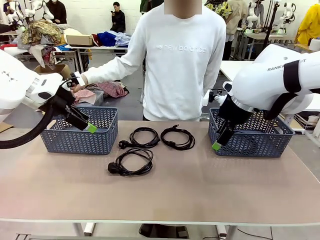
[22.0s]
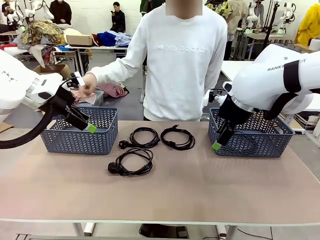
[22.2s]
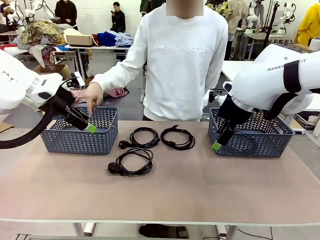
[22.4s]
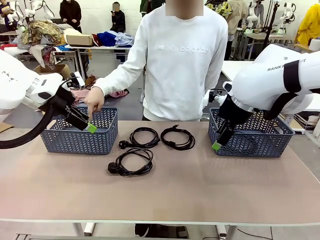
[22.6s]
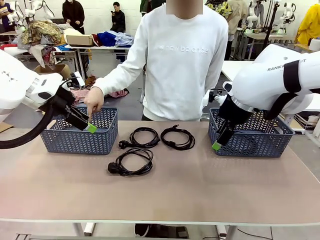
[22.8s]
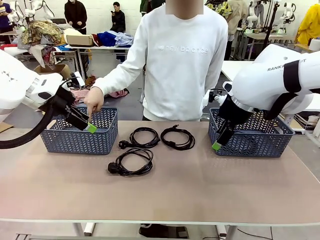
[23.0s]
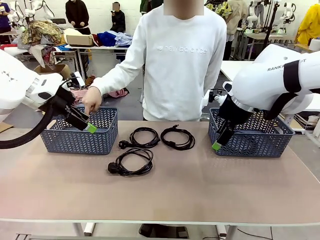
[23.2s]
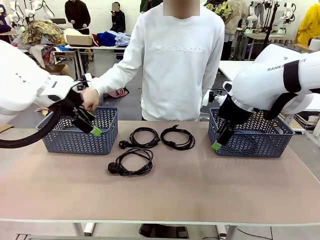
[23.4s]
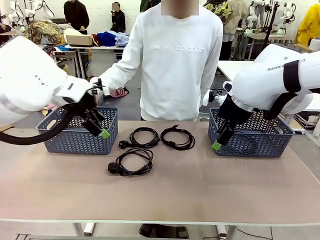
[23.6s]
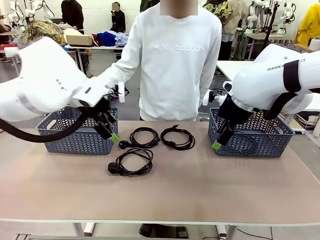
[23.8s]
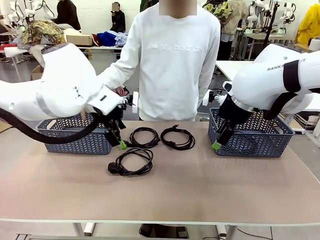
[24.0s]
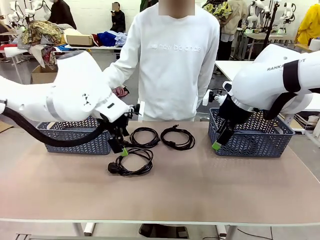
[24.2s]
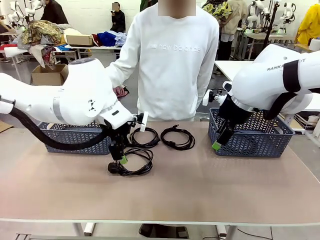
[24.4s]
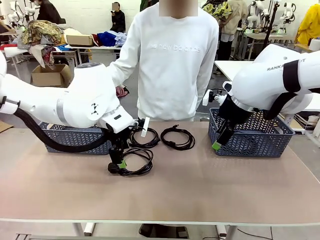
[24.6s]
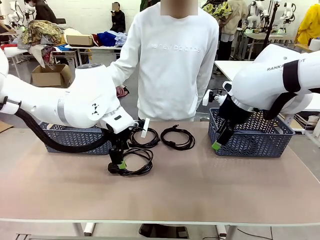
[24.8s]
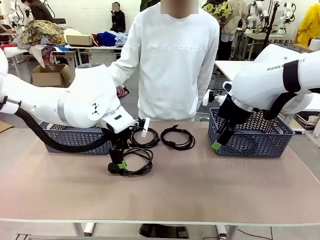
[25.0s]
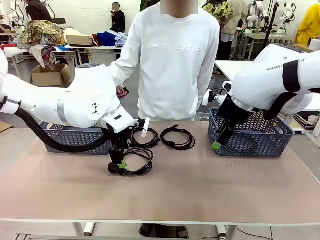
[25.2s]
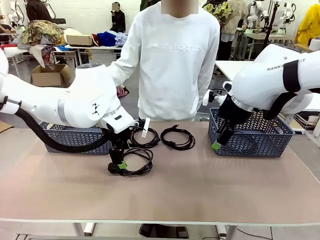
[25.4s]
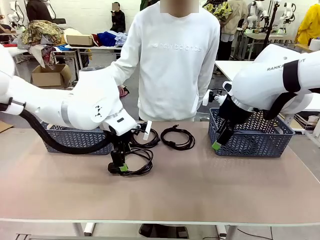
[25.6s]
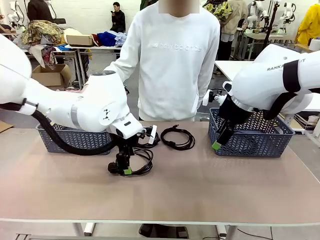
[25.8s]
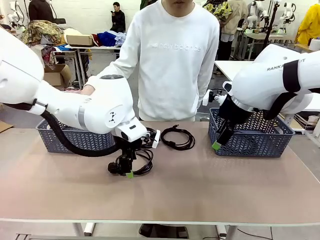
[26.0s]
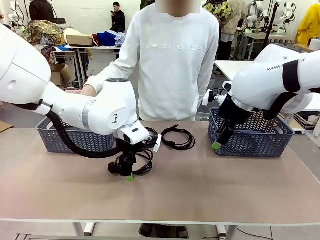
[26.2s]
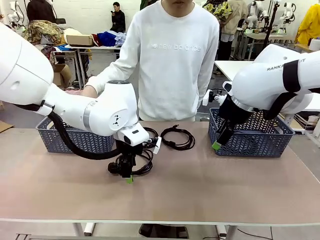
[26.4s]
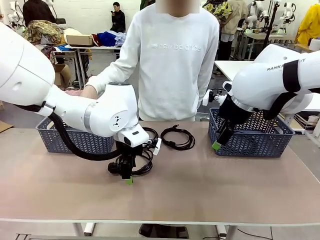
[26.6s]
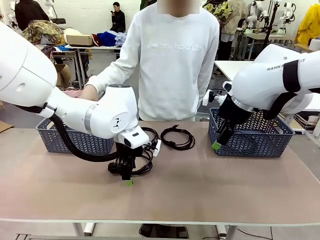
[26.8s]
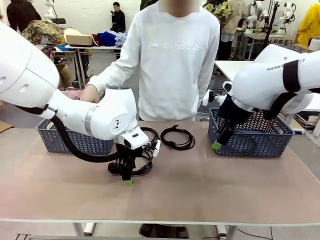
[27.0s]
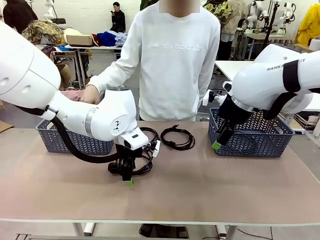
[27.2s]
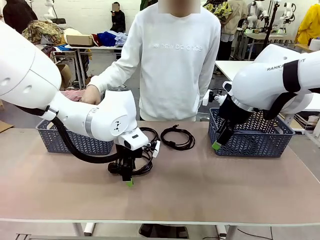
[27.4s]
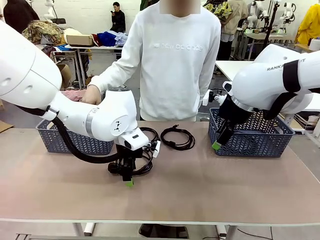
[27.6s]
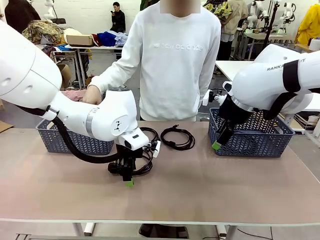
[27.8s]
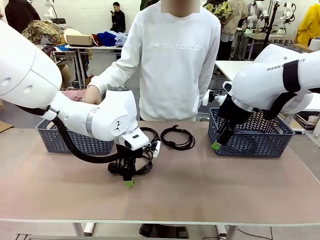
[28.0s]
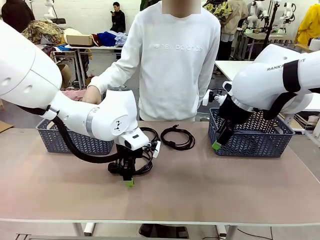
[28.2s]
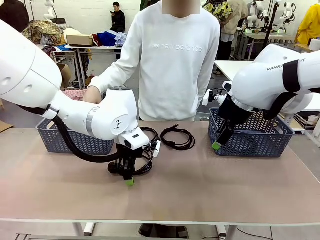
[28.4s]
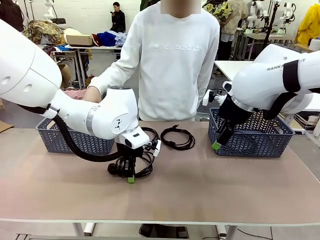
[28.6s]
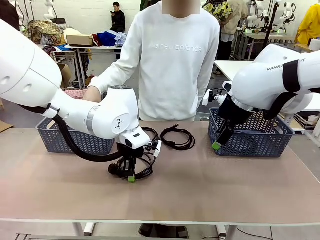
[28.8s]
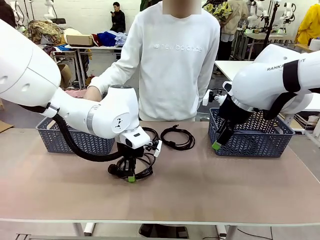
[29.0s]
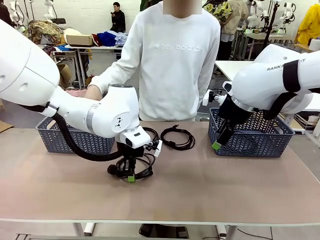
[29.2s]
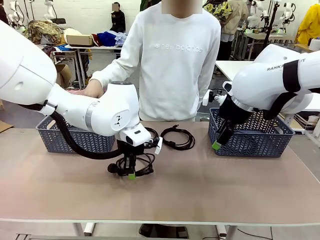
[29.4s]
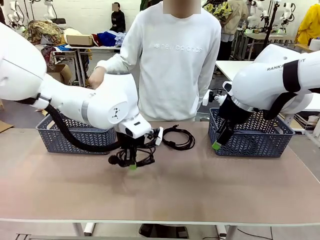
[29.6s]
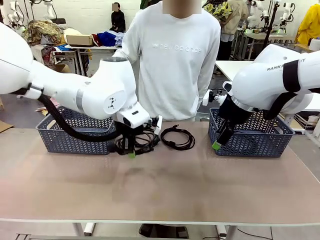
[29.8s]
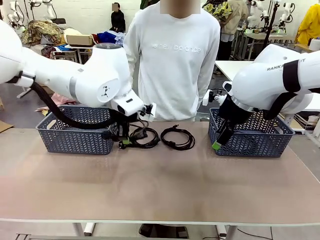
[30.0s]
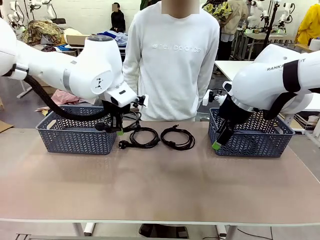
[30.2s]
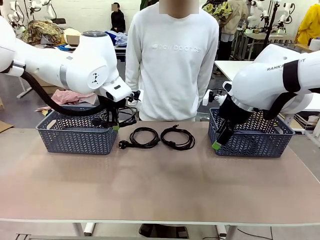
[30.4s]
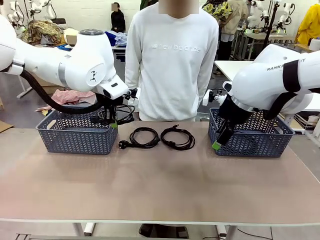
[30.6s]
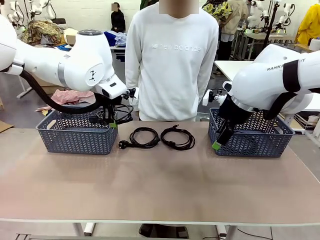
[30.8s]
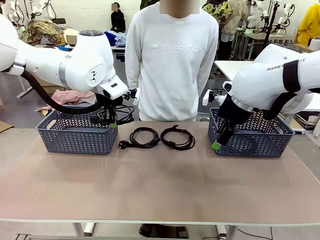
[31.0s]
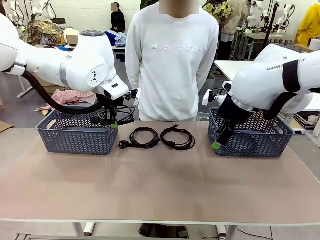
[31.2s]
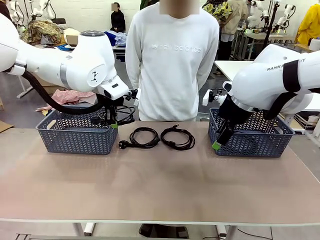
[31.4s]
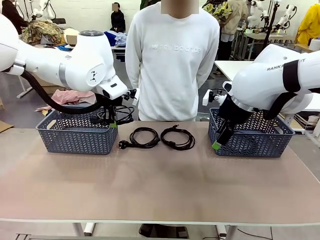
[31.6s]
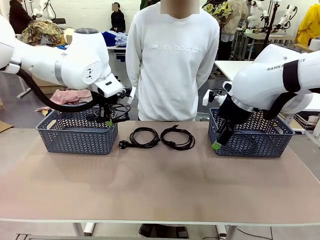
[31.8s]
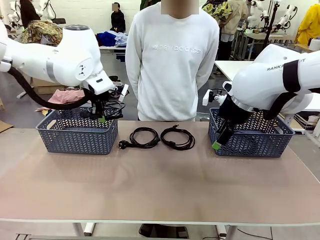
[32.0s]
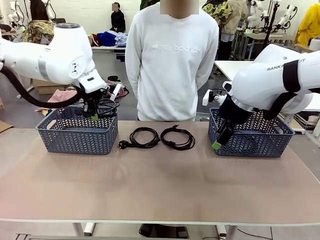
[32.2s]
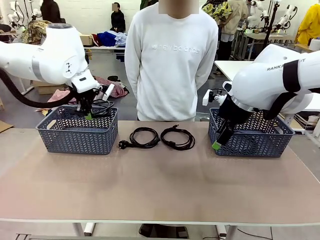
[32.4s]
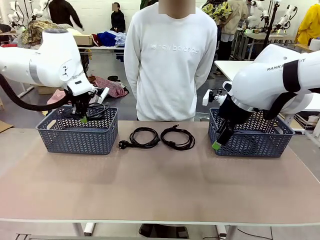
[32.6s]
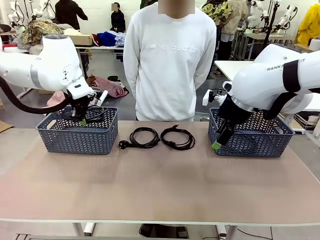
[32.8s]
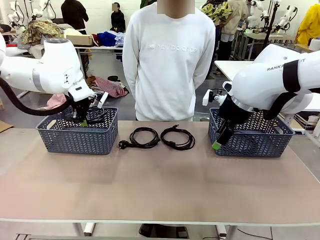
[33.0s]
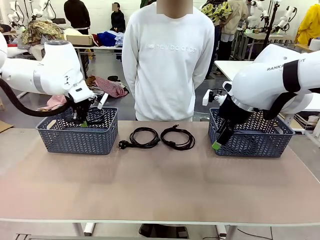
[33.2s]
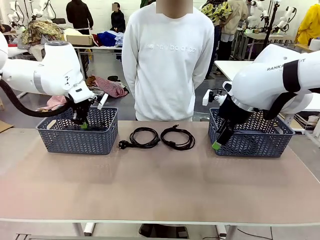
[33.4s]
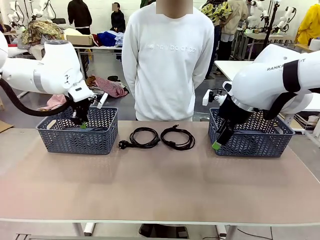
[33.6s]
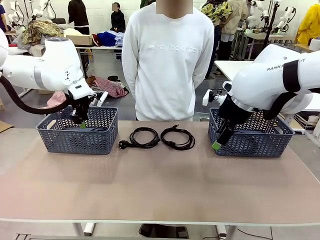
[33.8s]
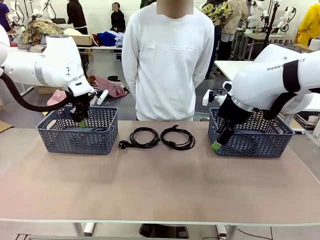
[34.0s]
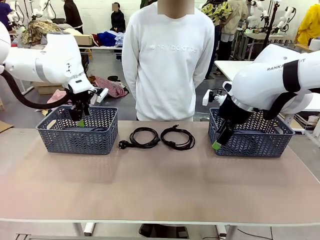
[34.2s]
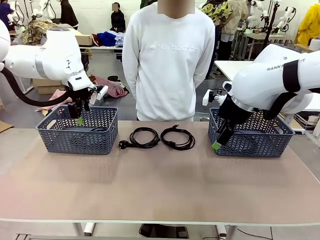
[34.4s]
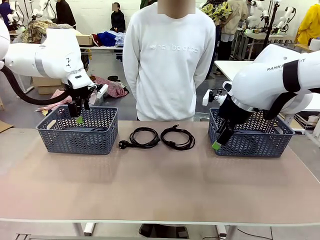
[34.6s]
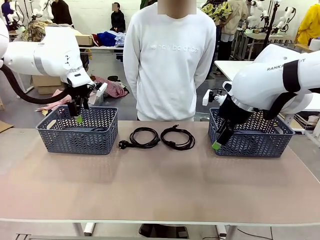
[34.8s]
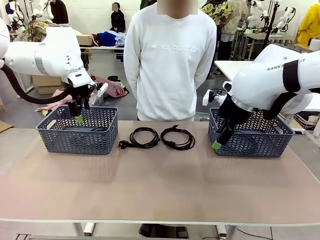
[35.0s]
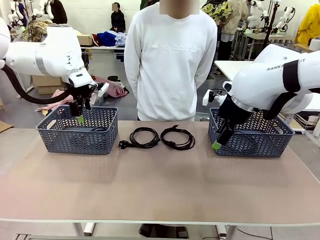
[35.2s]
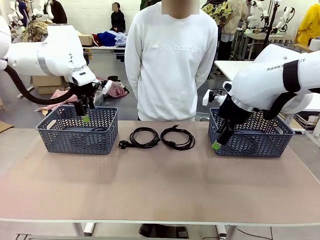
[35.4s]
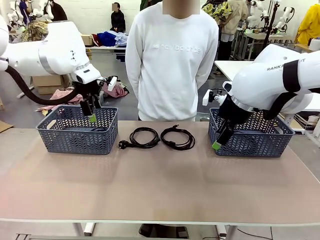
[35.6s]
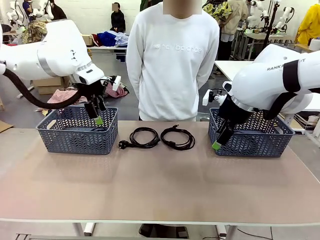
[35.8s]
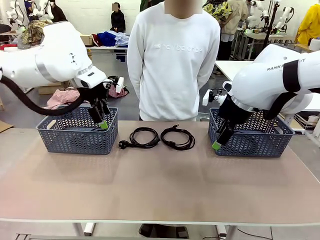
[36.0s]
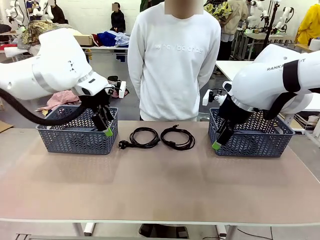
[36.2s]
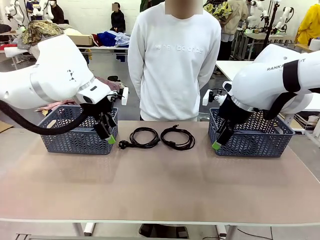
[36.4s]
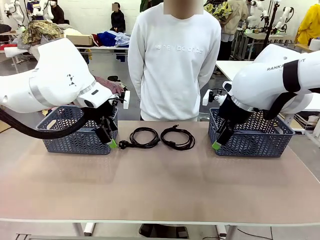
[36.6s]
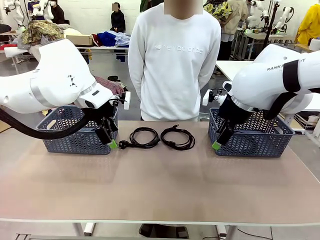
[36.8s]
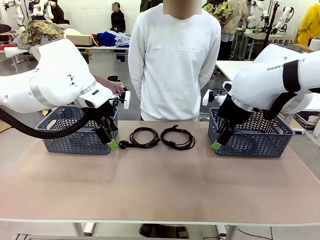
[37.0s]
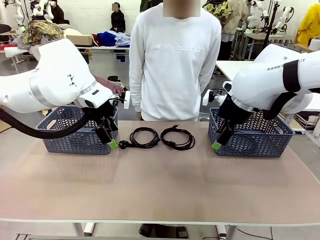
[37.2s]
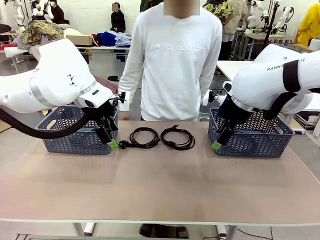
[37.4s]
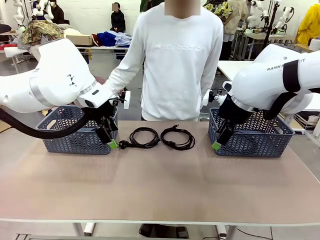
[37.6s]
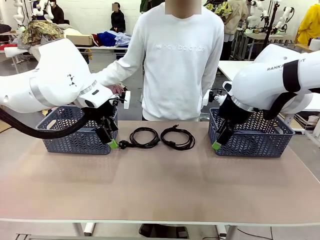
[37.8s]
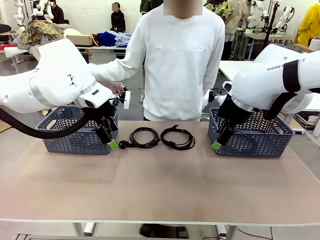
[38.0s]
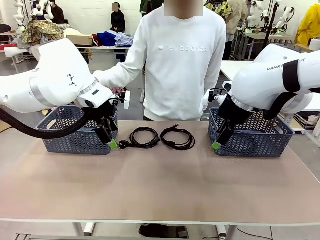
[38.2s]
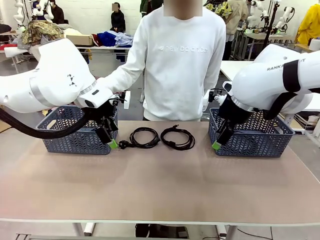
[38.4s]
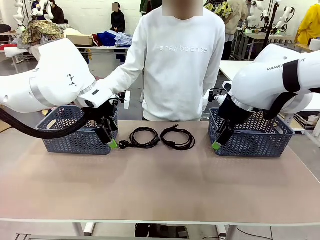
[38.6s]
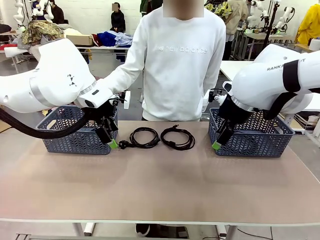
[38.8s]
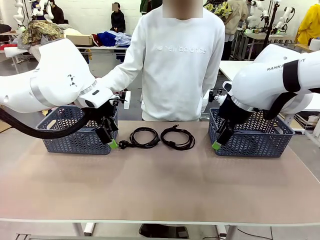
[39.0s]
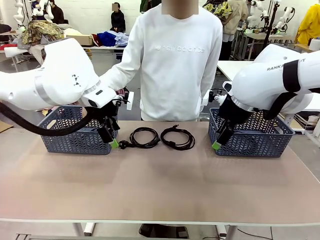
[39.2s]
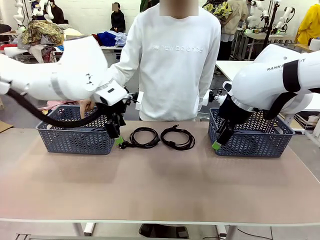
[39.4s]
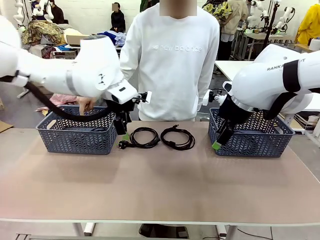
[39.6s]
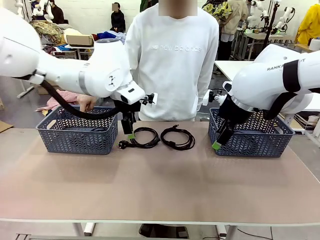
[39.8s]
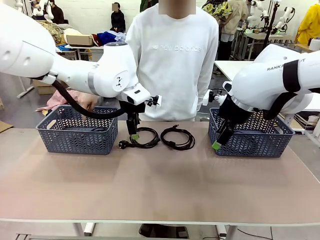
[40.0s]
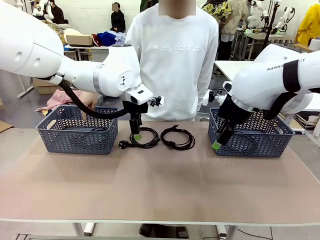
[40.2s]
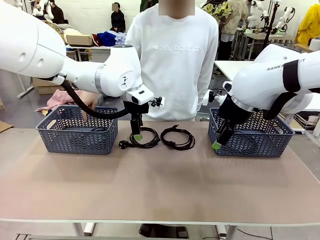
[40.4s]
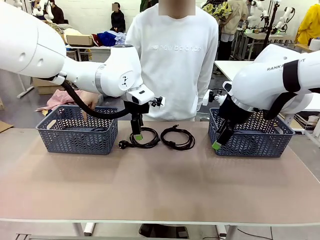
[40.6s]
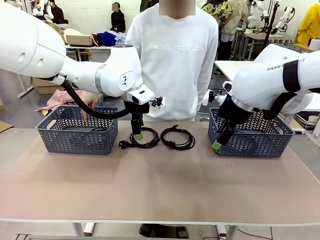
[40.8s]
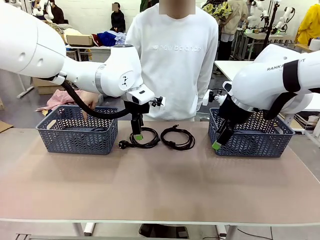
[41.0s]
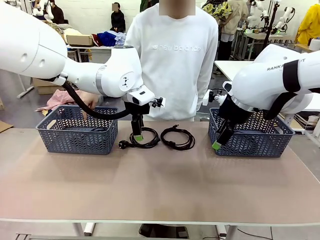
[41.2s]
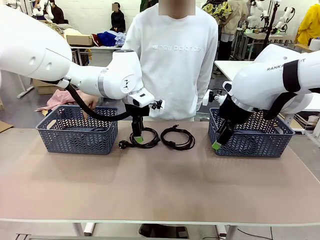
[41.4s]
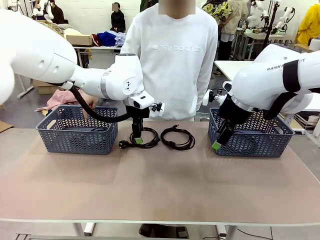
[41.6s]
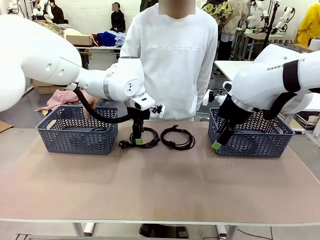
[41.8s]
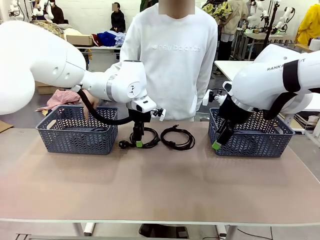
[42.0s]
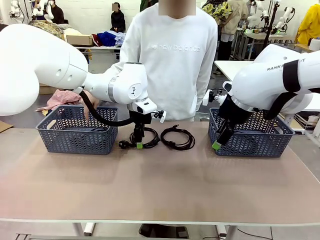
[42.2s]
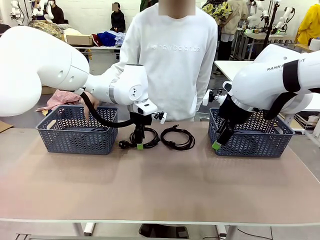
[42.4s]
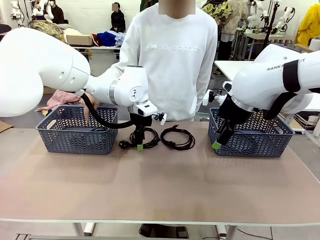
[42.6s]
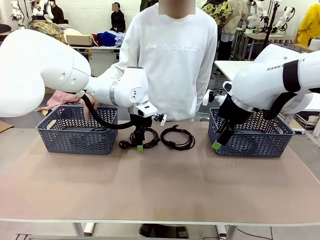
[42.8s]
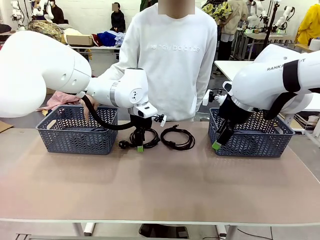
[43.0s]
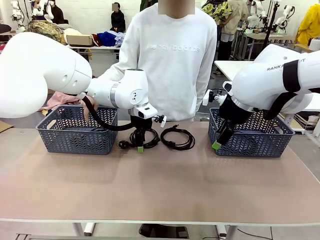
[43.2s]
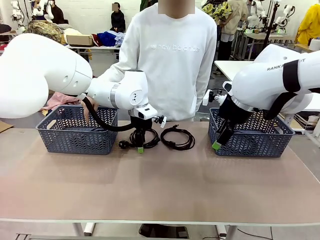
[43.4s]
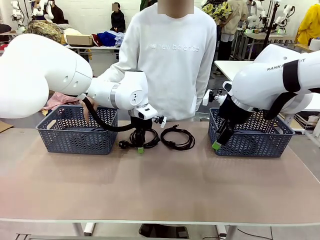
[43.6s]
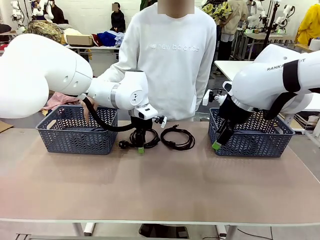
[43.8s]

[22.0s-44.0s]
Task: Organize the cables according to human instructions.
Robot: Pick up a bundle of cables and place it in the basket indicated by the human.
